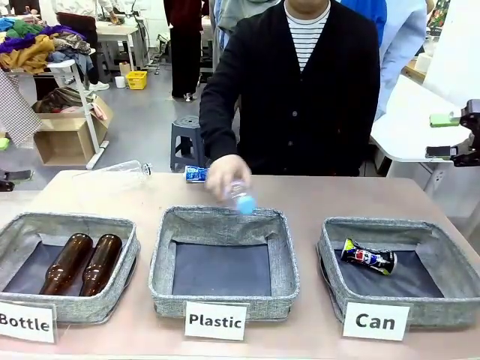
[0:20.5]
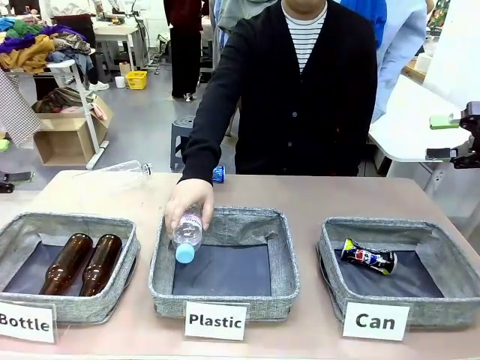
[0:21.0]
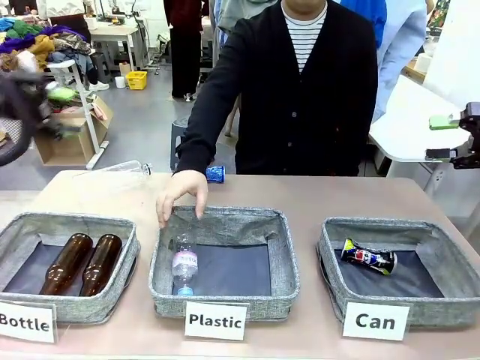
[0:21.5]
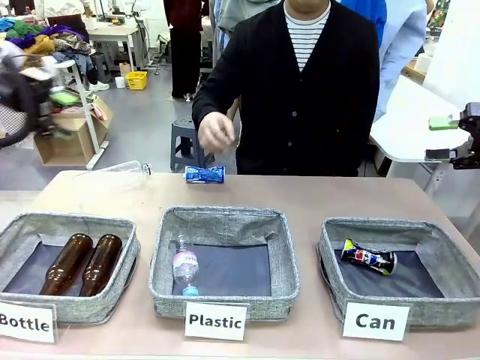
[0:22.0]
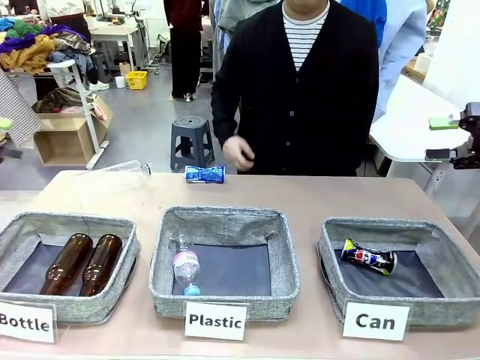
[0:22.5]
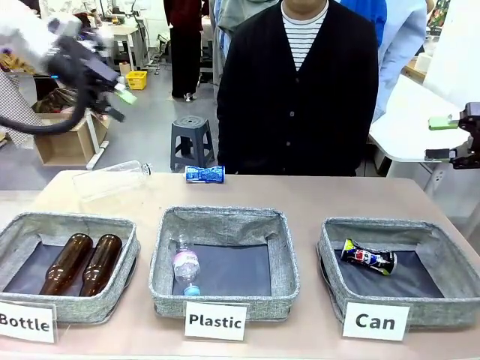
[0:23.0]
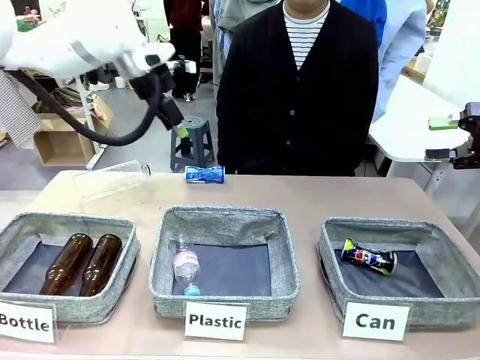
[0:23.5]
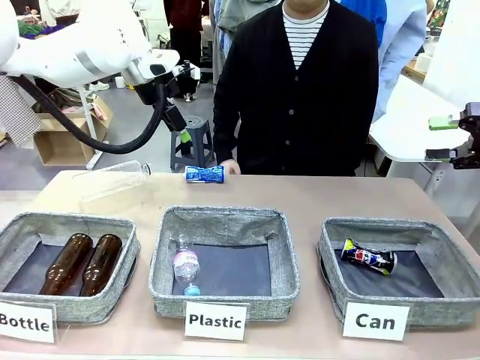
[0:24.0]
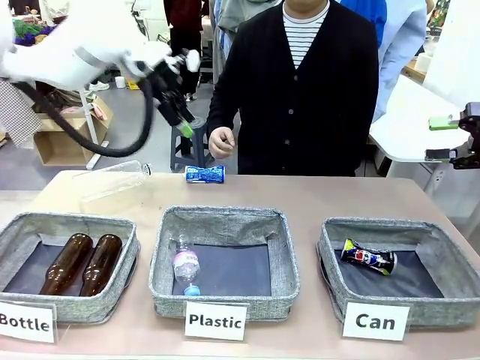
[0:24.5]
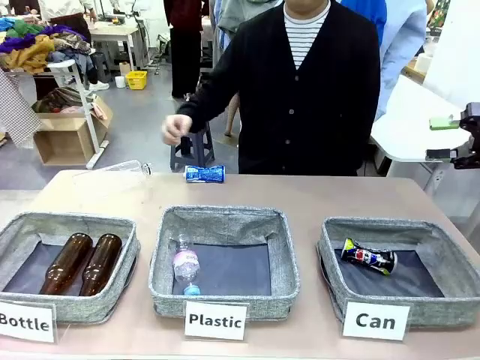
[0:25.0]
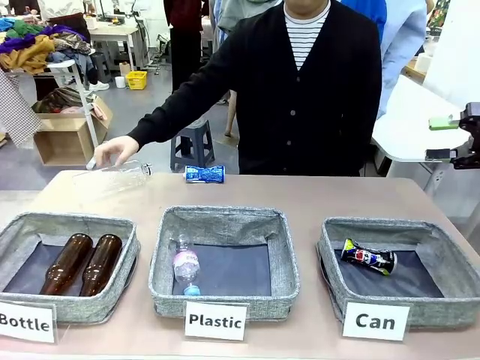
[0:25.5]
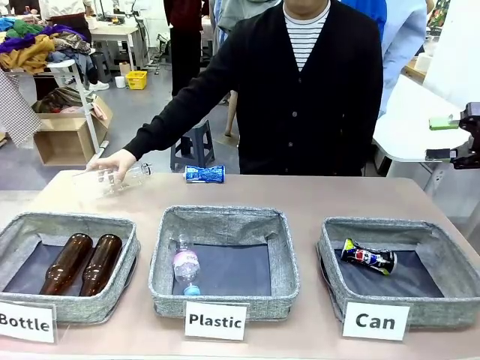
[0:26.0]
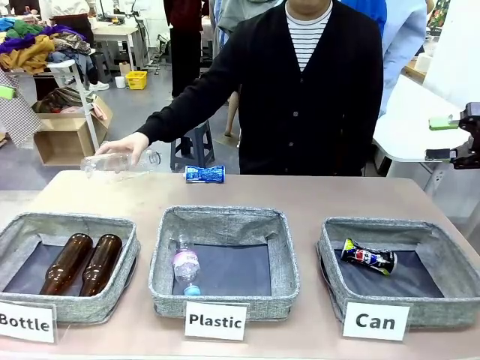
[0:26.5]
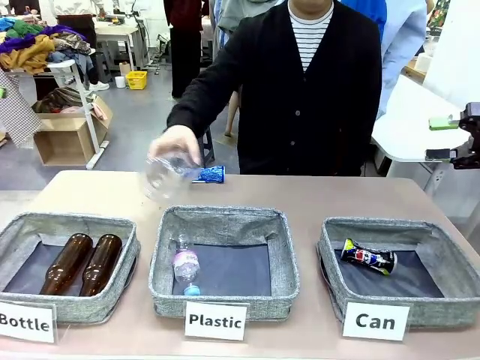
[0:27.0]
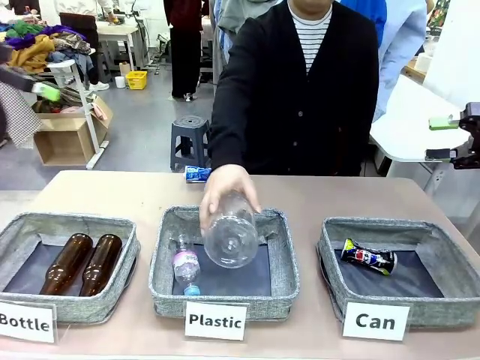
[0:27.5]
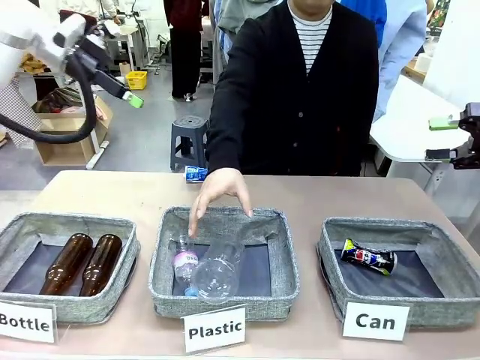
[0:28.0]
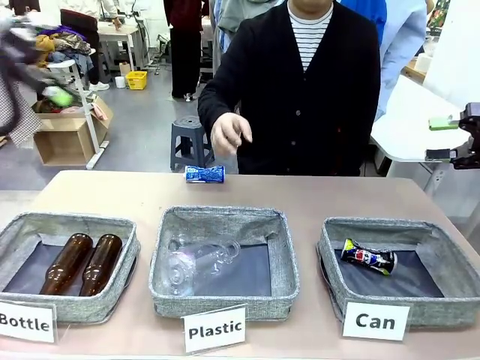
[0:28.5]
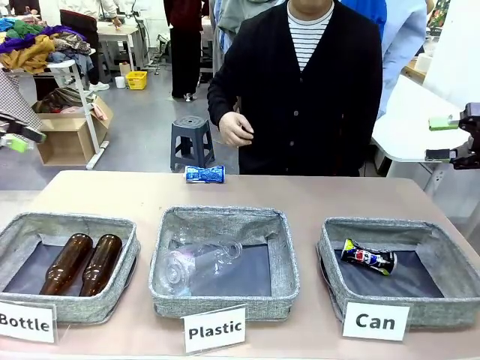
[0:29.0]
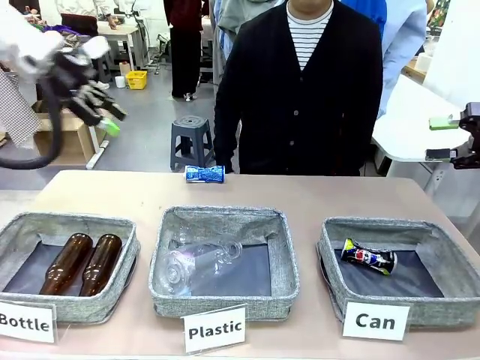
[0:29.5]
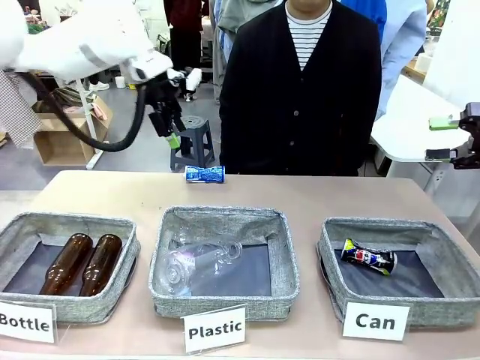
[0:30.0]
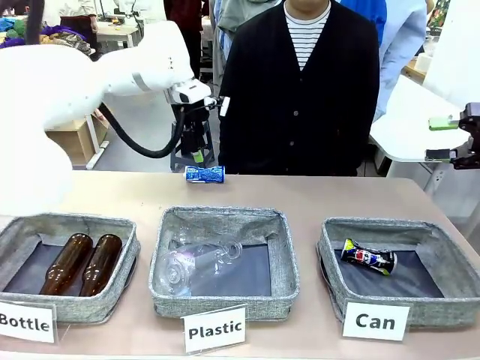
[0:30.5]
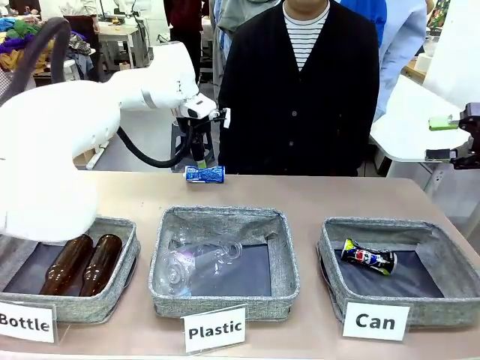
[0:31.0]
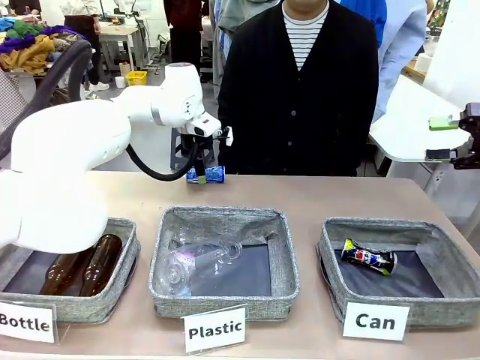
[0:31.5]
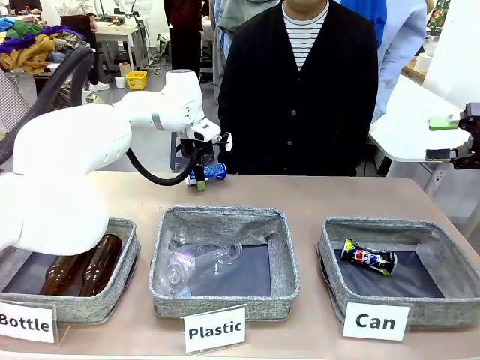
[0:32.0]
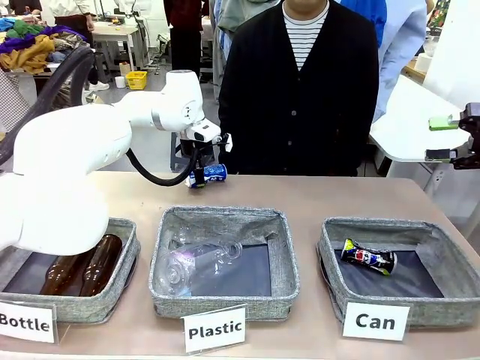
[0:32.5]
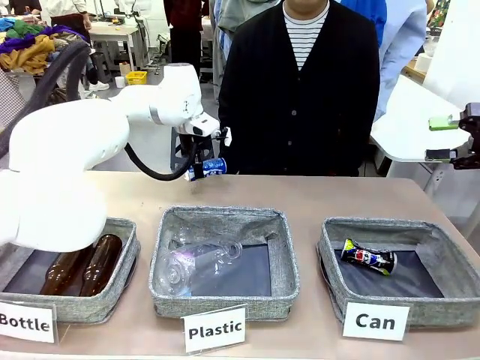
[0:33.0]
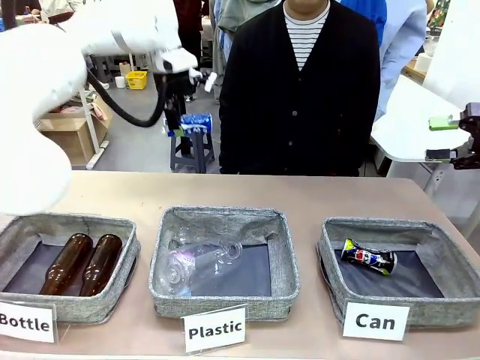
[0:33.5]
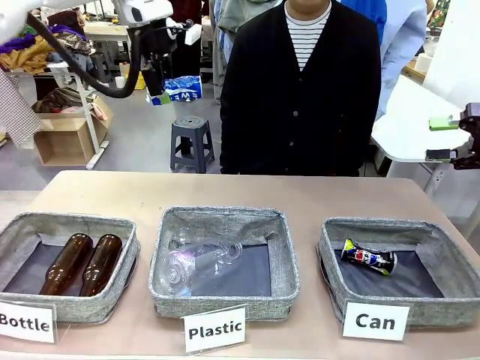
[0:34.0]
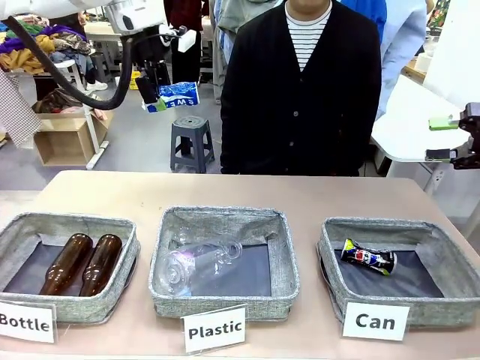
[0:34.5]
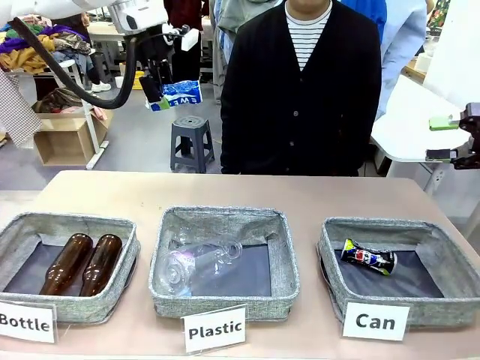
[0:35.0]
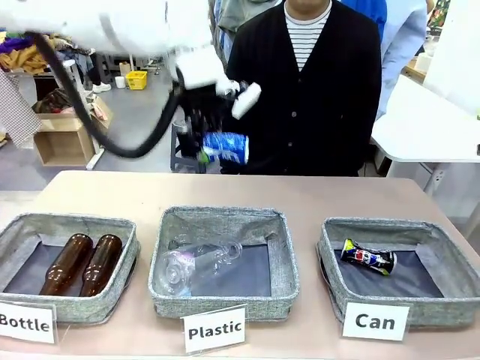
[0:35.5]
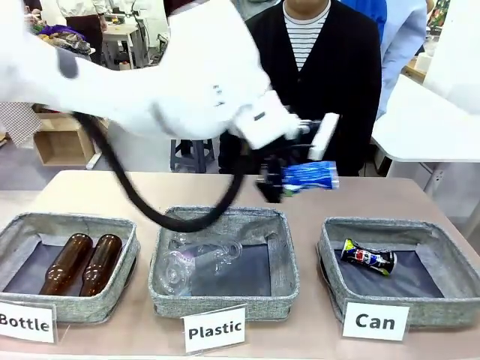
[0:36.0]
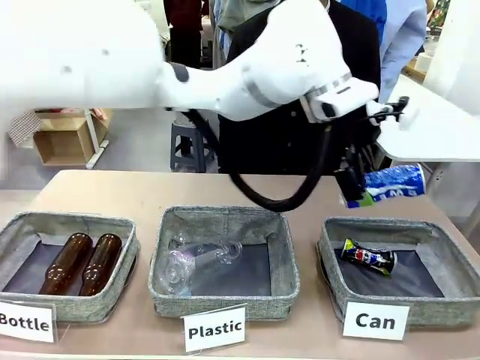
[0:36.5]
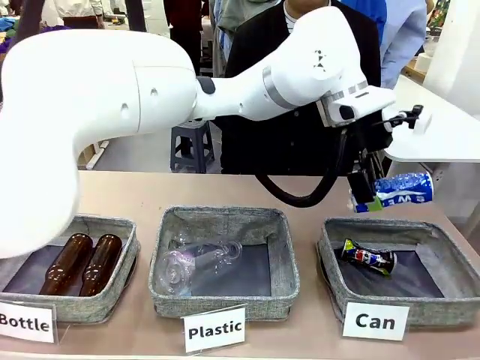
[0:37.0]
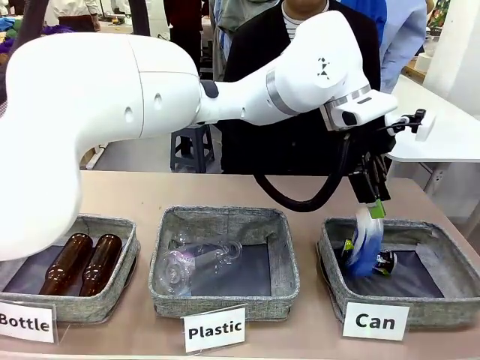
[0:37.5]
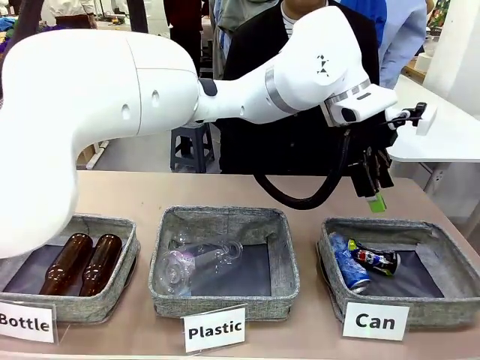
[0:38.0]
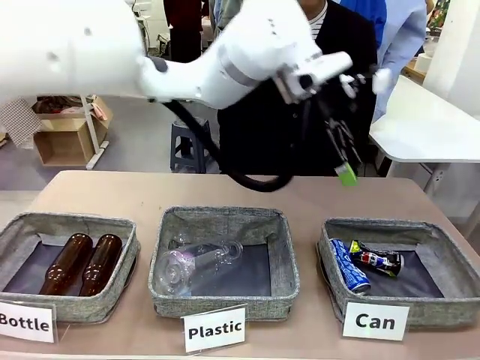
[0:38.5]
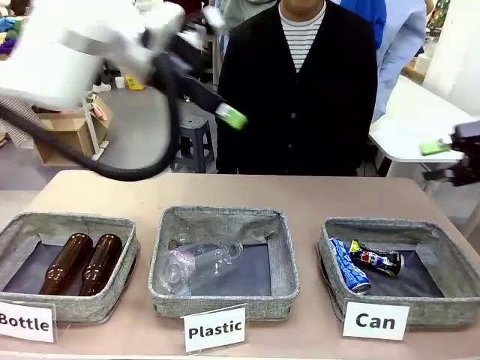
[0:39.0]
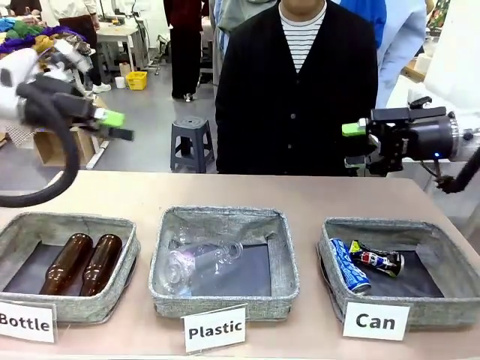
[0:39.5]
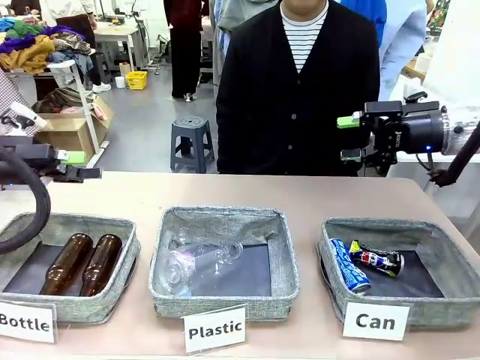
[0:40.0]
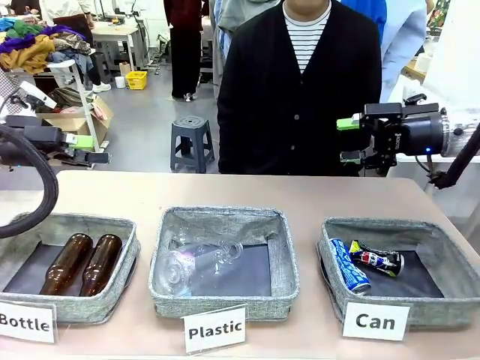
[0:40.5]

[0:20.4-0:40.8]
Task: Sort the can waste into the basket.
Robot: Pick up the can waste from the table and place it in the right Fabric basket.

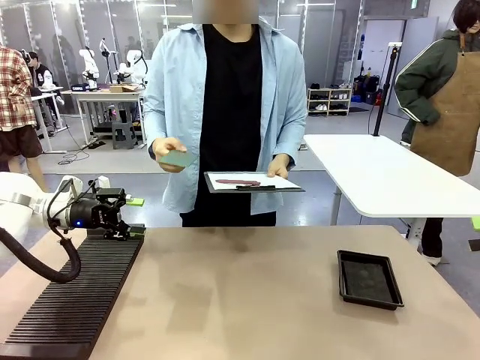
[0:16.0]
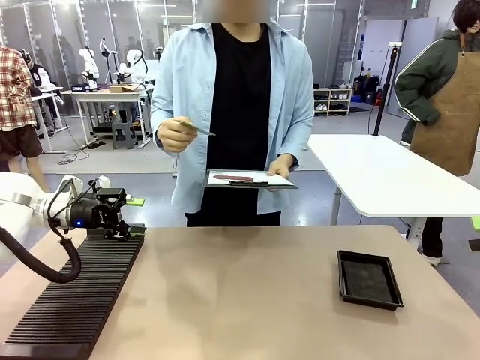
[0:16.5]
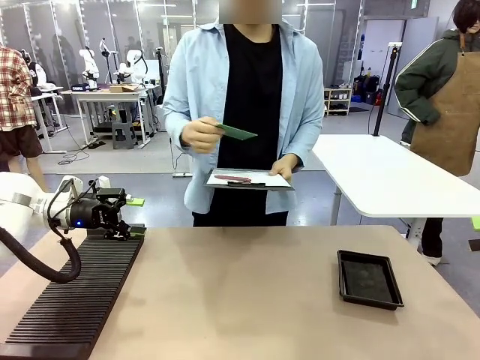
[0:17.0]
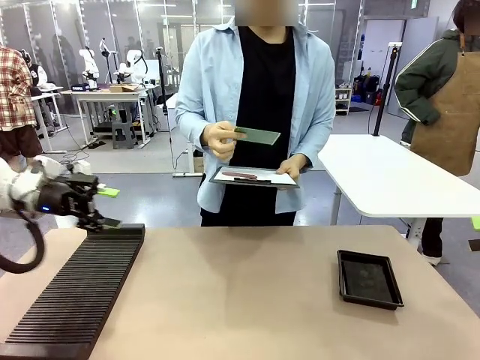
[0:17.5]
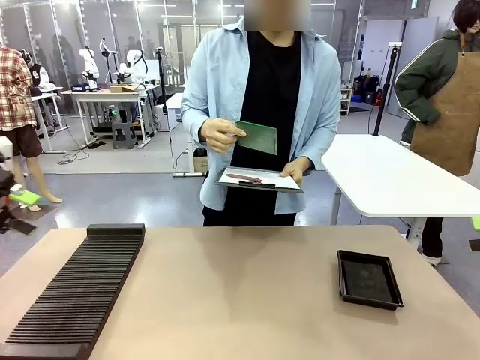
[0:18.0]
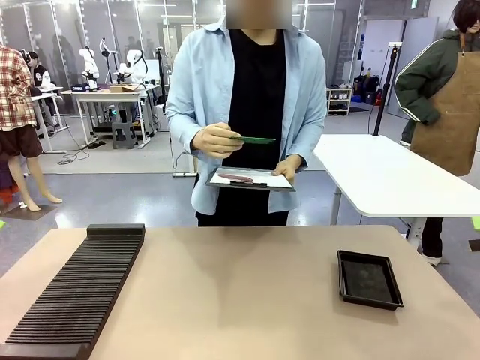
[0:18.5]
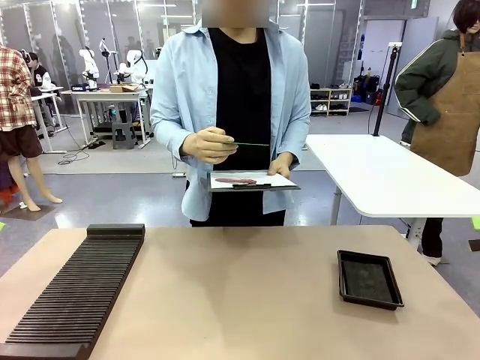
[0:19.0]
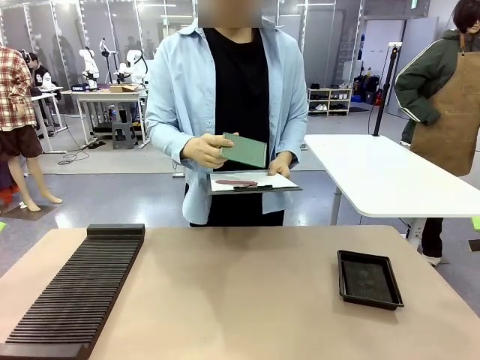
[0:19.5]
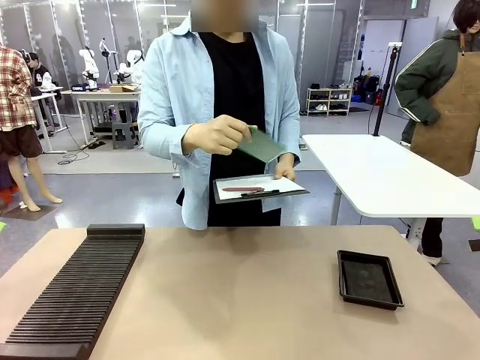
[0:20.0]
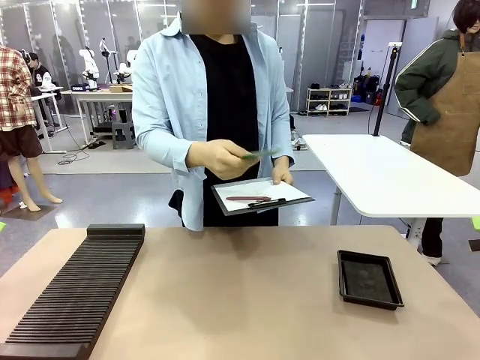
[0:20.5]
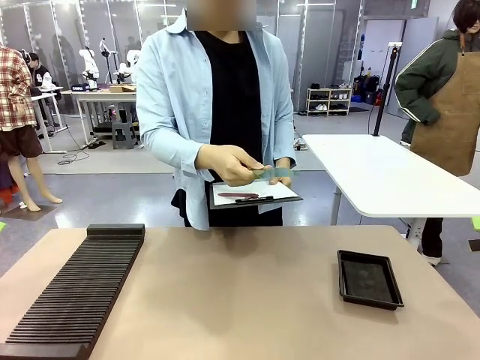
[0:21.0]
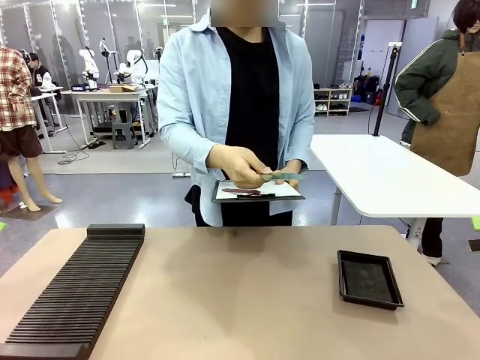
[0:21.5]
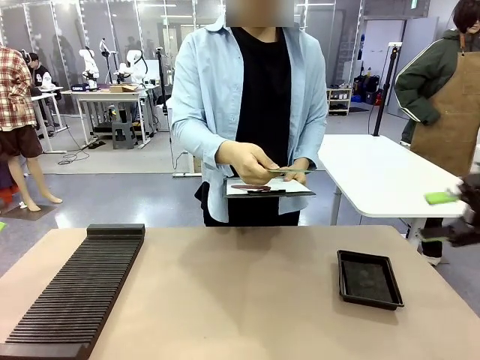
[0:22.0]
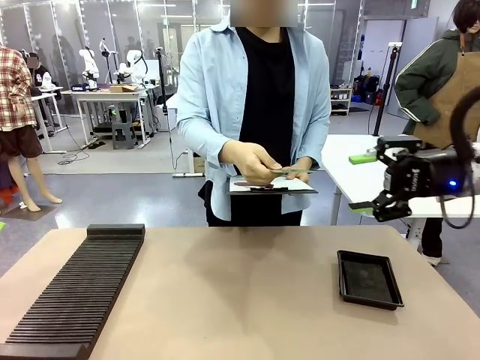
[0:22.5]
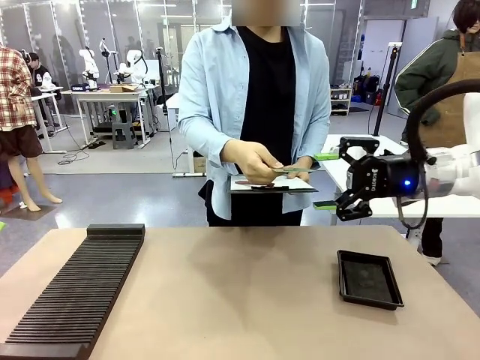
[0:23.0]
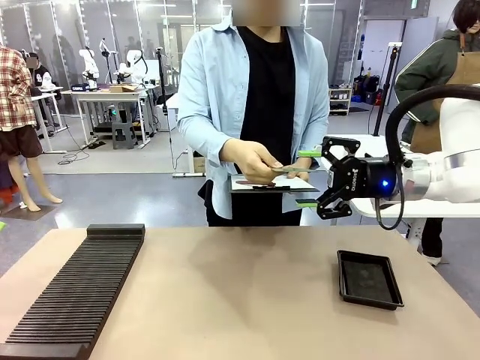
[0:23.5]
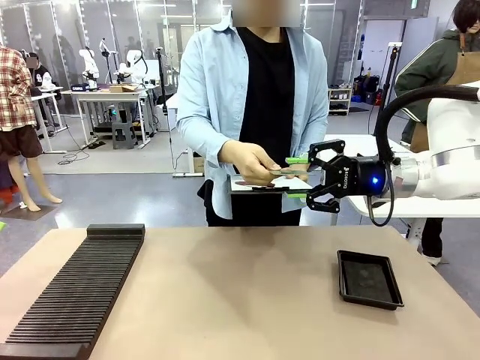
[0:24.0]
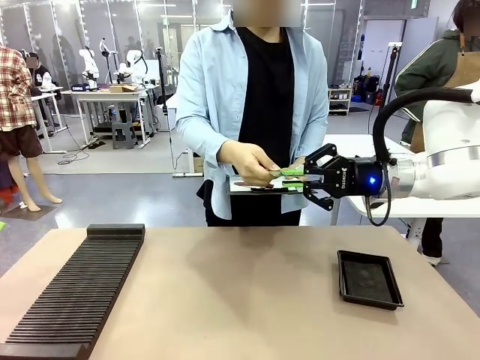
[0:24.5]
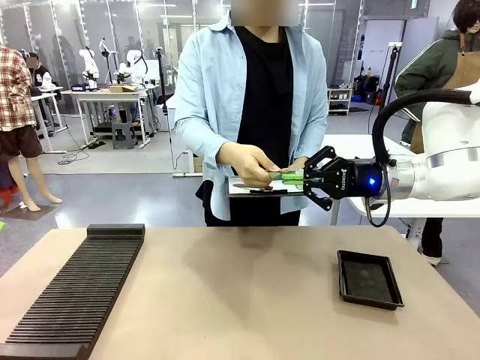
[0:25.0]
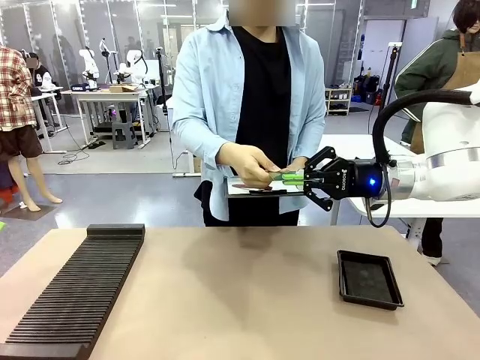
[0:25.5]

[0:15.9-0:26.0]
Task: Inspect the PCB.
Robot: Pick up the Blank PCB that the human is holding.
Person: Inspect the PCB placed by the robot, then hold it out in front of the robot. Release the PCB you were holding.
